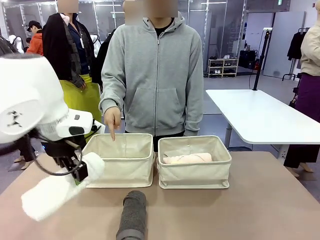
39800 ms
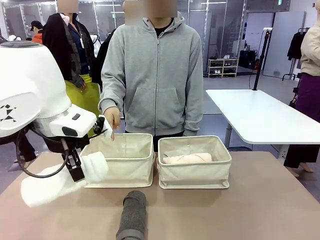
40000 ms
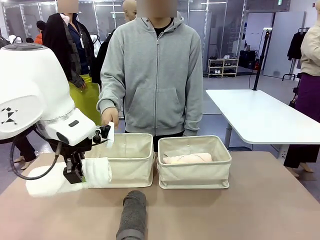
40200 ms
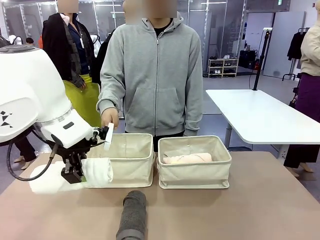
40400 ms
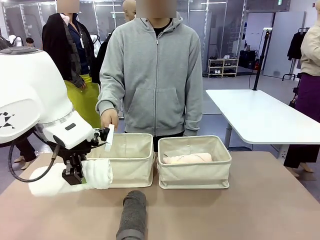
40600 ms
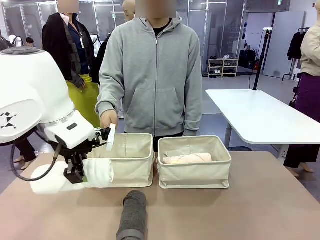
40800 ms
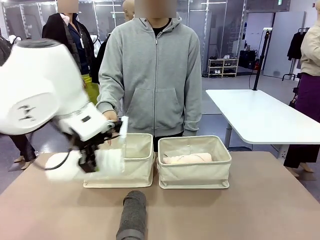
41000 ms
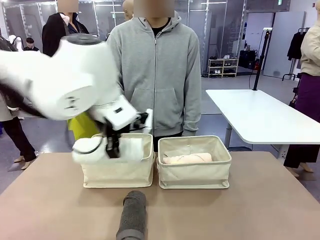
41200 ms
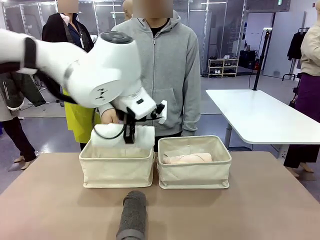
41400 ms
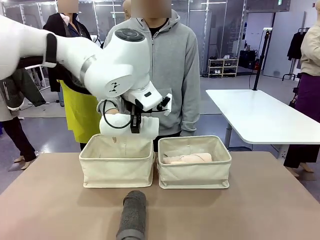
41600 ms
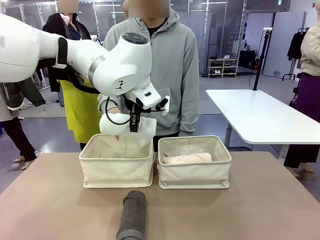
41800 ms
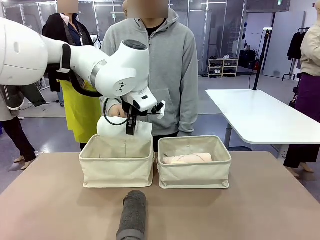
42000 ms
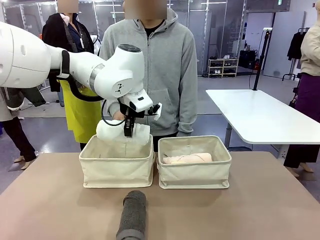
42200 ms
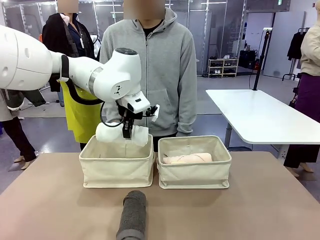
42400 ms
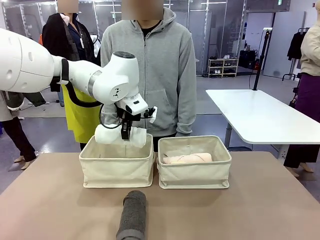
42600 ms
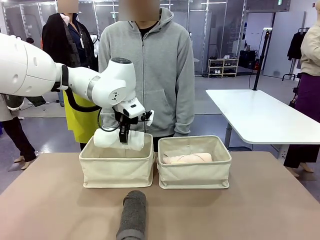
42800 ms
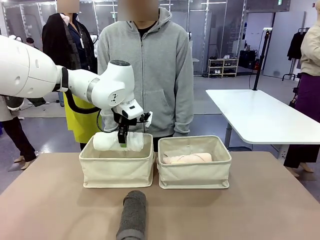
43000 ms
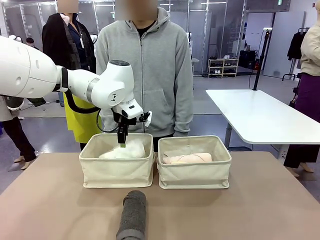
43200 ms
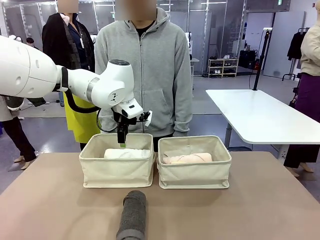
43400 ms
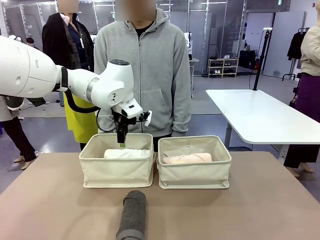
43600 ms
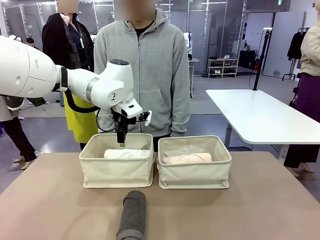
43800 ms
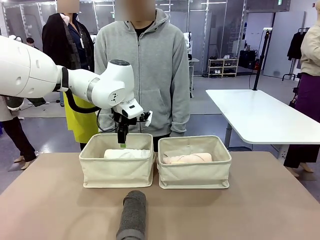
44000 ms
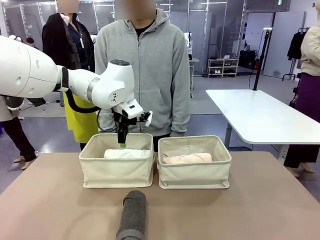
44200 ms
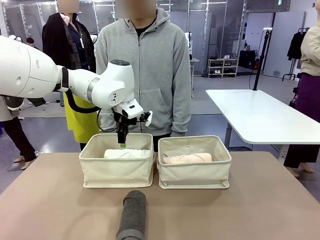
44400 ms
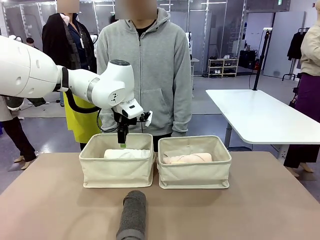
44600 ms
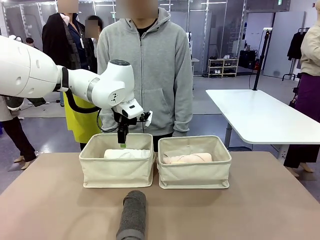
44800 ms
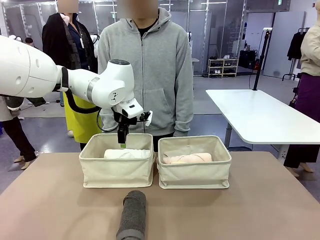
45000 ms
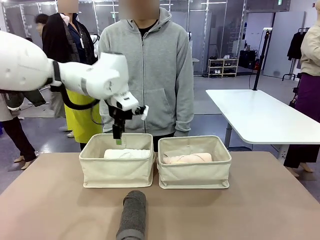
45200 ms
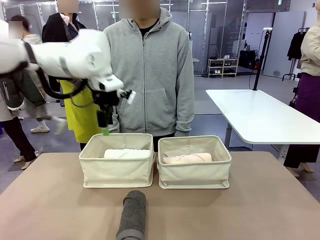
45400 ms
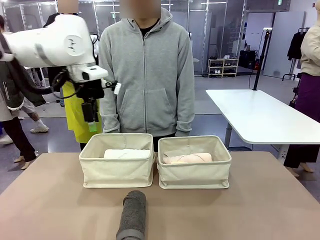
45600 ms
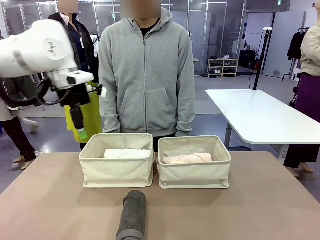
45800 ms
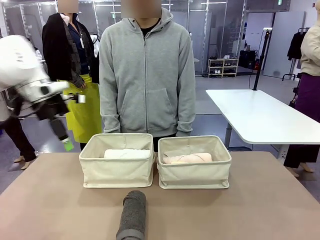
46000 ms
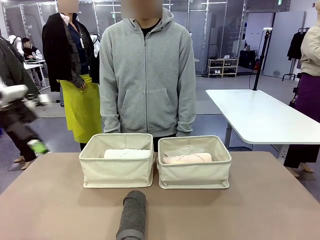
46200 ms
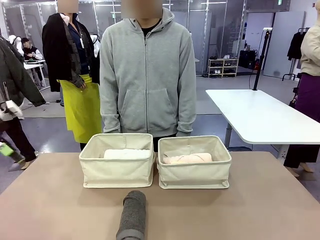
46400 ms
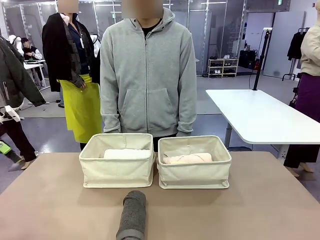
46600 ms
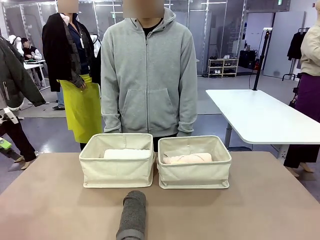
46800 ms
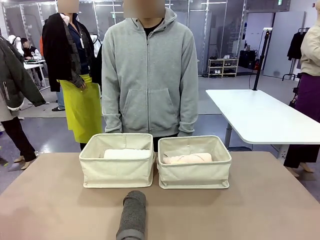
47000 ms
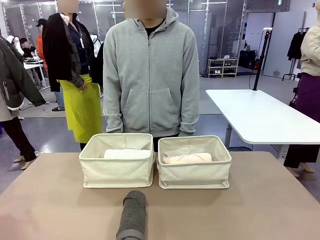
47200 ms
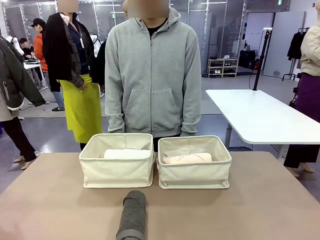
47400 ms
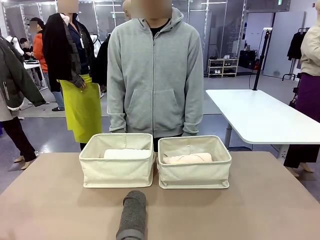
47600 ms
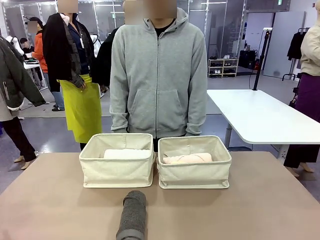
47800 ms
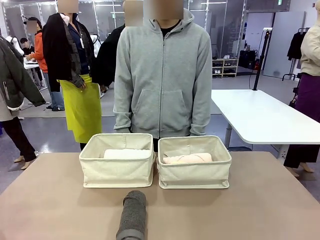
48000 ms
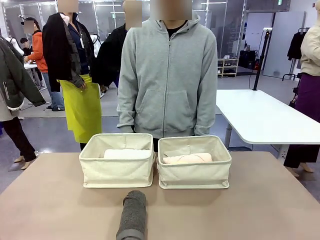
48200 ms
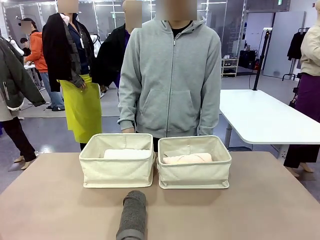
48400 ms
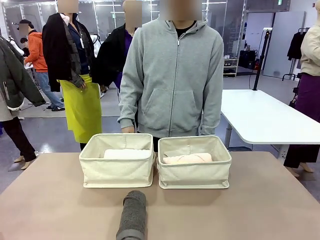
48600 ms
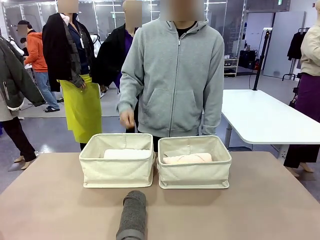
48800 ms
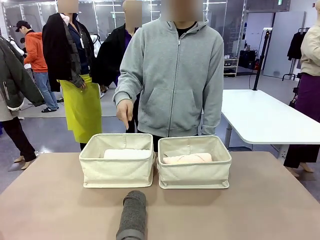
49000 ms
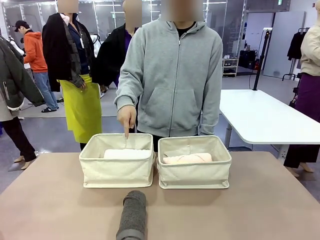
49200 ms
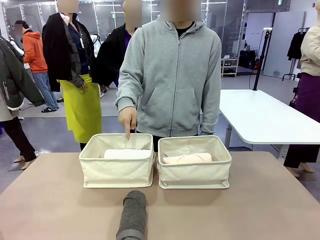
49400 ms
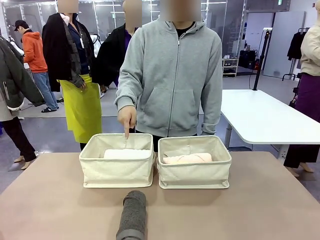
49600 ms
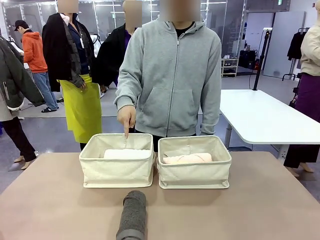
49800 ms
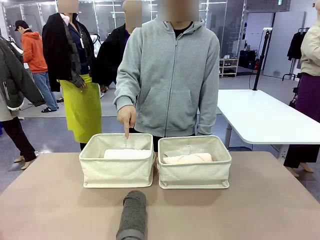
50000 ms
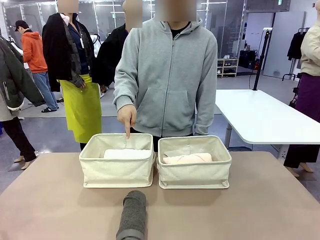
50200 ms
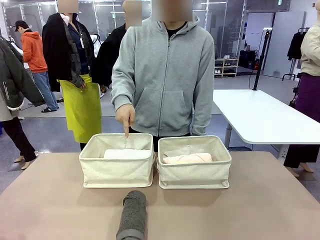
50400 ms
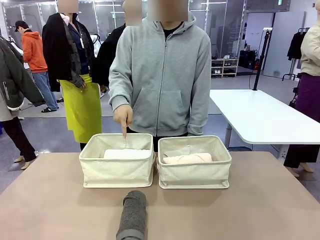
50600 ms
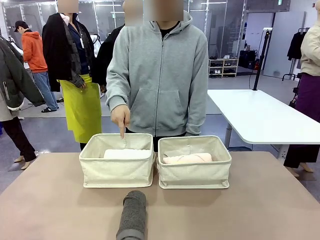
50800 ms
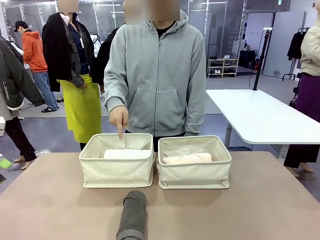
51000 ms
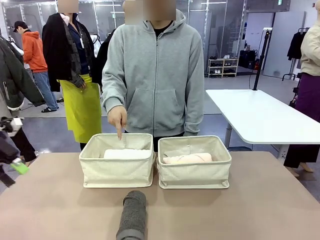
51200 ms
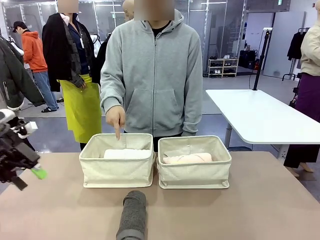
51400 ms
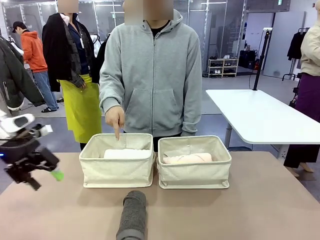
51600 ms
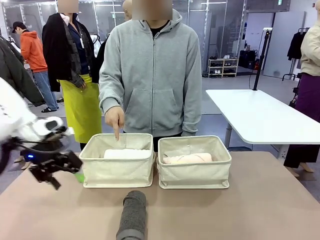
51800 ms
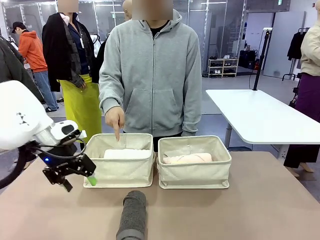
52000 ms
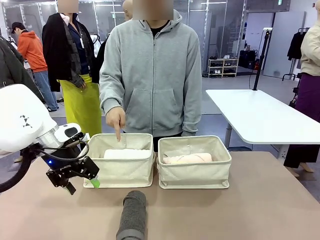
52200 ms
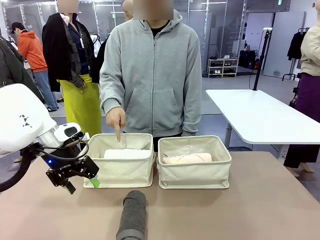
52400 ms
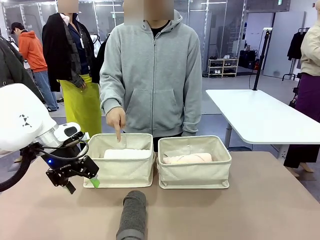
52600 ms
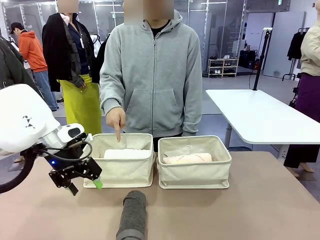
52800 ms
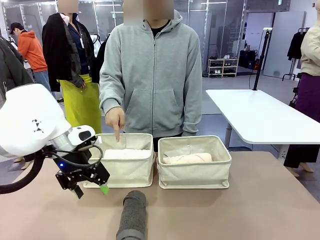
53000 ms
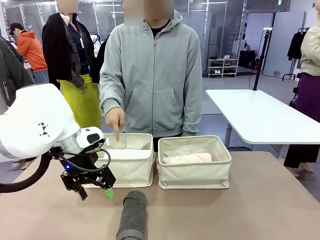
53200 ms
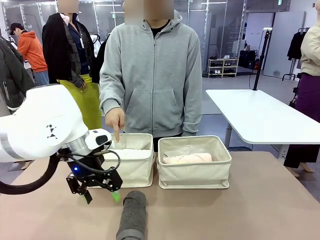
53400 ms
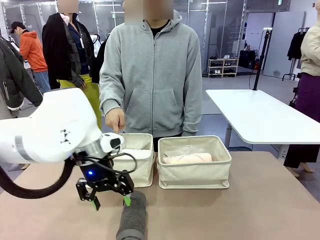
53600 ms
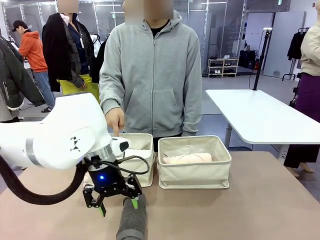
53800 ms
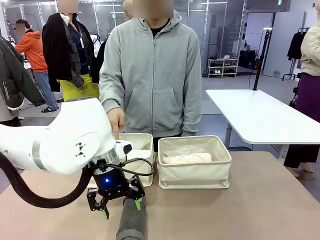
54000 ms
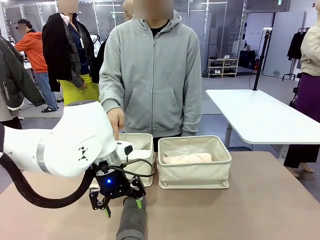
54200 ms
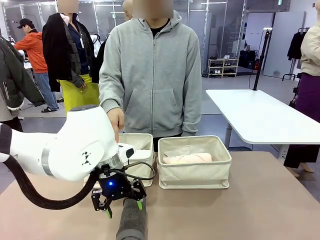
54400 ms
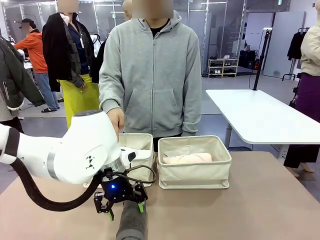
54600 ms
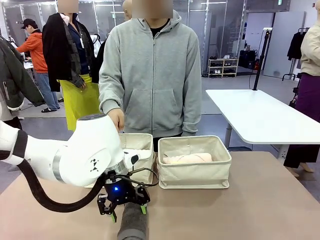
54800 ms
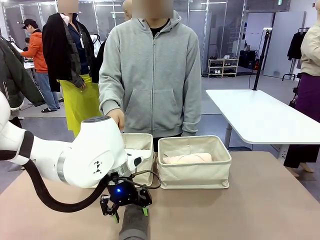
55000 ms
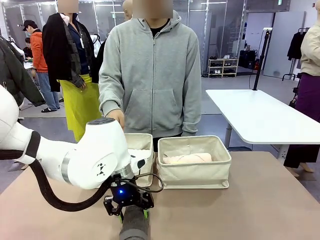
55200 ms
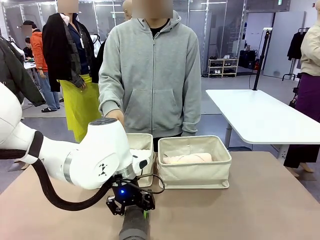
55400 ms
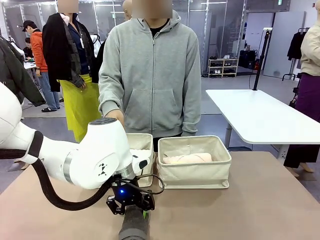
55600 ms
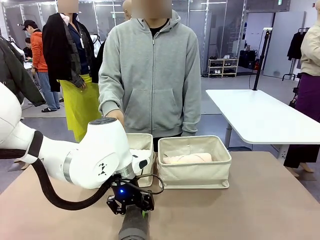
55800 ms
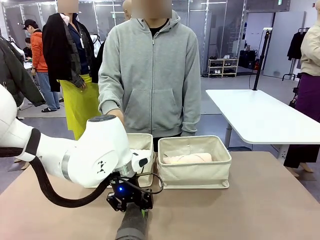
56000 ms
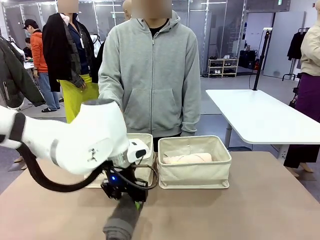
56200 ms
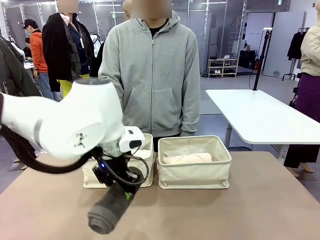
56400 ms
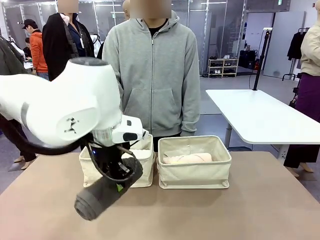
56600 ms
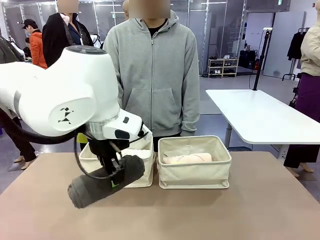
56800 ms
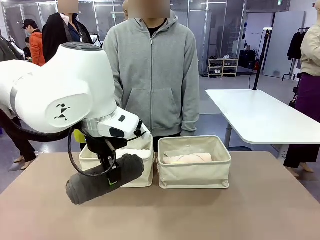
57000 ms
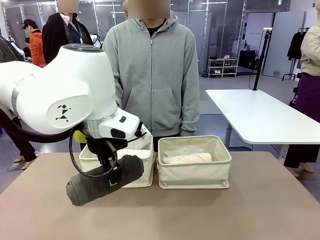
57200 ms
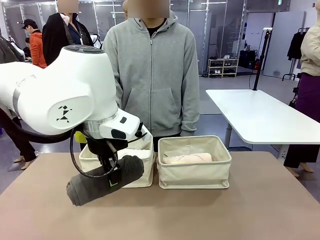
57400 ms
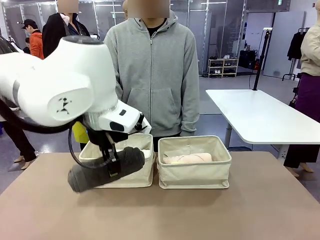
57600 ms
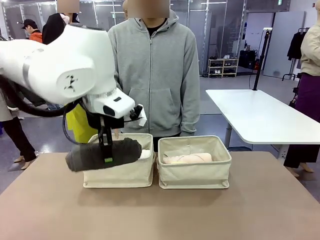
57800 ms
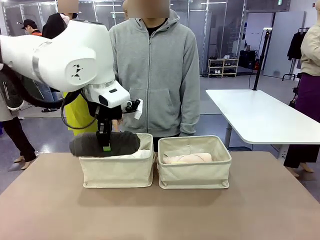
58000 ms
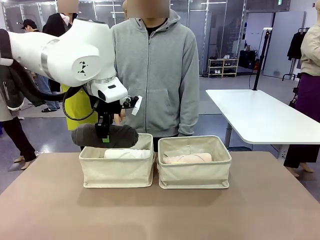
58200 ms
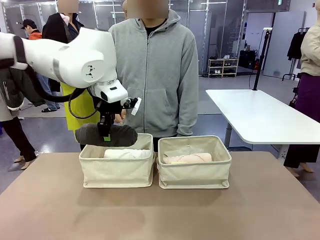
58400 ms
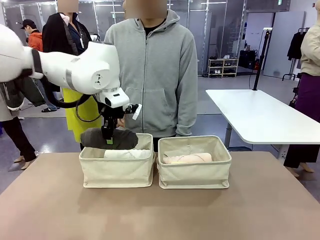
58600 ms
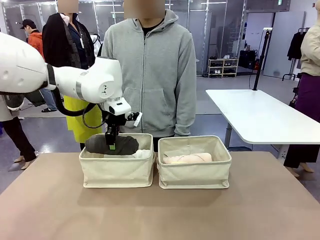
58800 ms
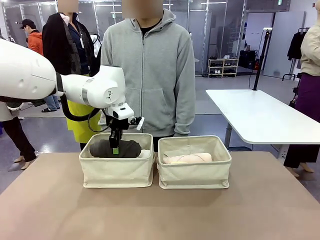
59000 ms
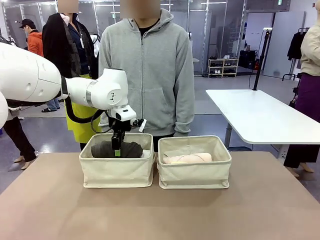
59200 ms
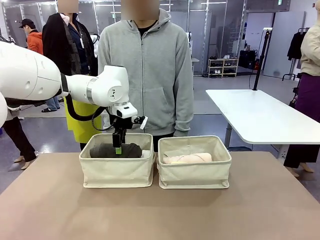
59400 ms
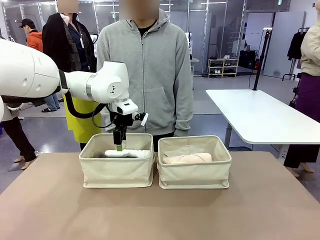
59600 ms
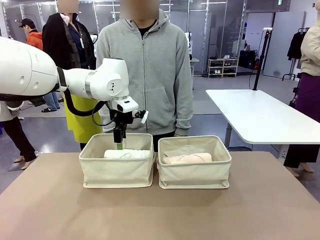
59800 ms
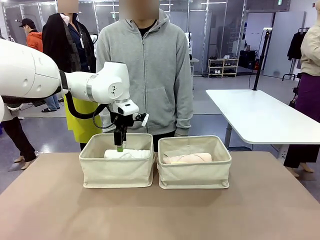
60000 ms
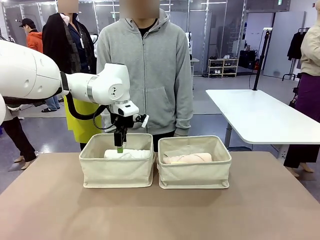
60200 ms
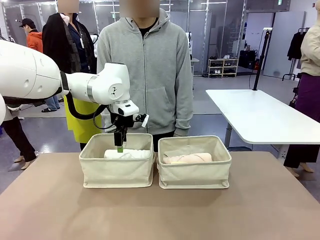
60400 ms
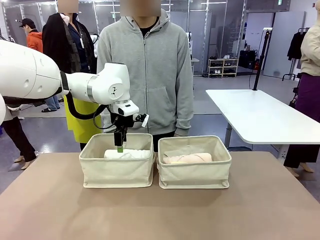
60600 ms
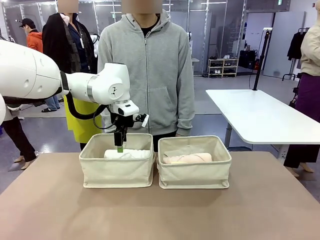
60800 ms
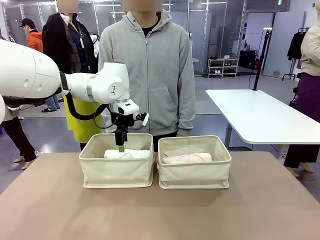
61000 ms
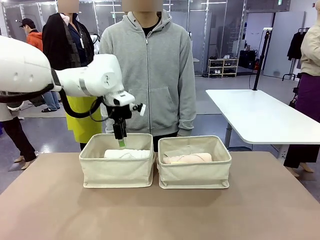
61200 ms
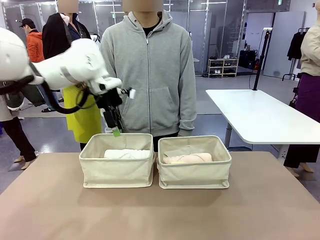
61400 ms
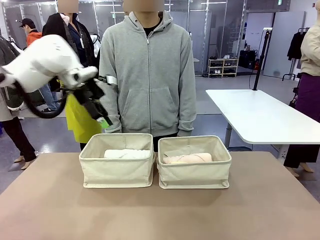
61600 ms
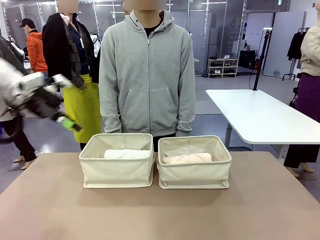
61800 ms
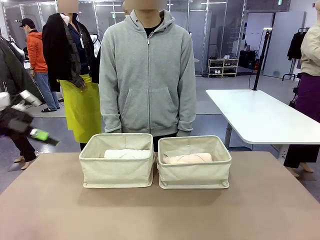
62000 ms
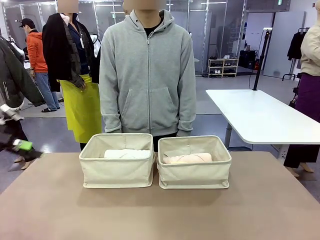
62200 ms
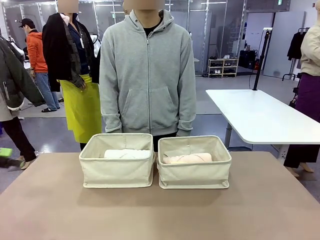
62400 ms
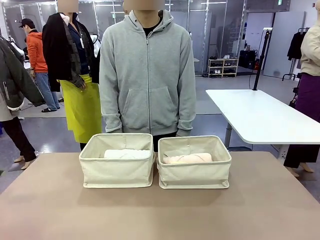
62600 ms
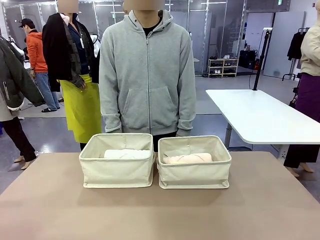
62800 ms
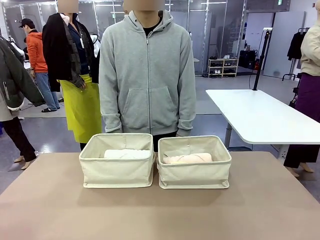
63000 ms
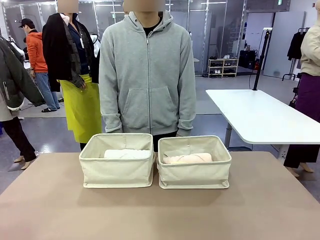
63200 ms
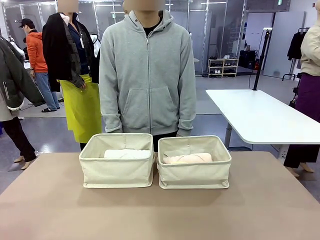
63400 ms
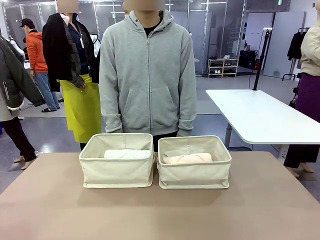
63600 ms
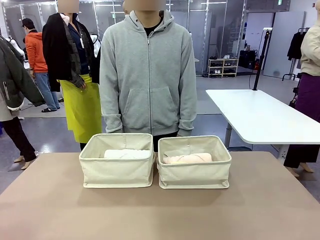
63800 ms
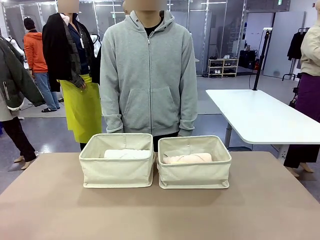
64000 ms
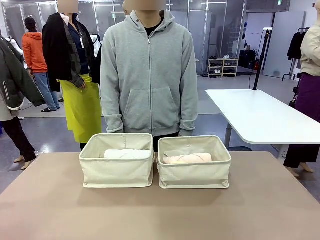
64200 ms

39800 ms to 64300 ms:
Task: Divide the towels into two baskets.
Robot: Pick up one hotel-folded towel from the bottom of the table and place it in the Fabric basket indicated by the person.
